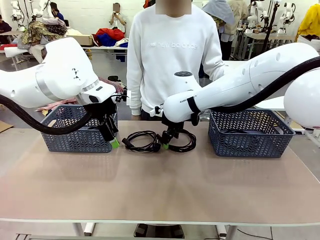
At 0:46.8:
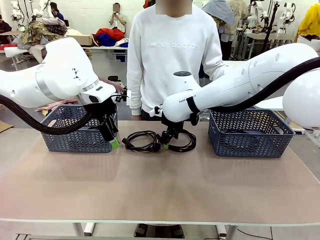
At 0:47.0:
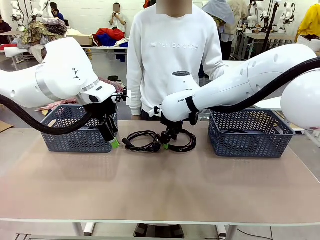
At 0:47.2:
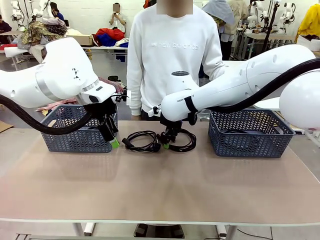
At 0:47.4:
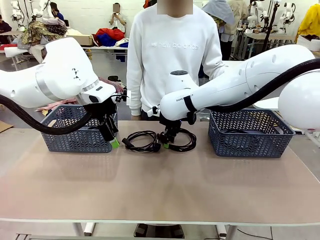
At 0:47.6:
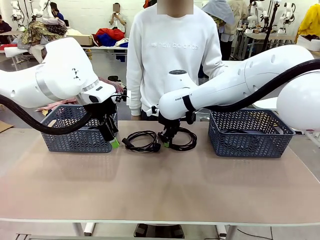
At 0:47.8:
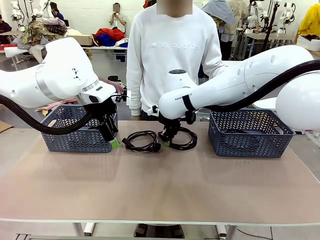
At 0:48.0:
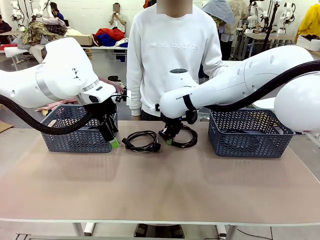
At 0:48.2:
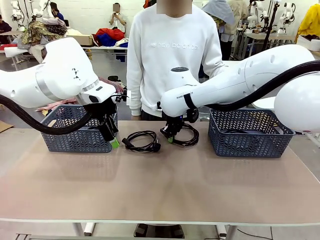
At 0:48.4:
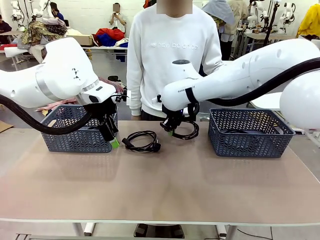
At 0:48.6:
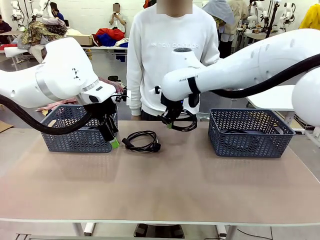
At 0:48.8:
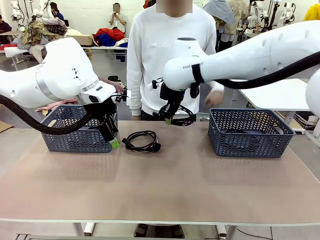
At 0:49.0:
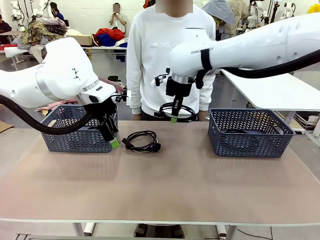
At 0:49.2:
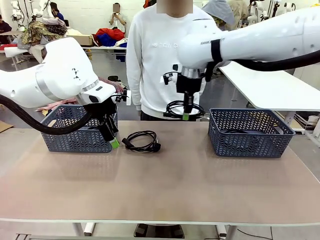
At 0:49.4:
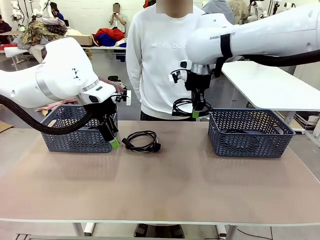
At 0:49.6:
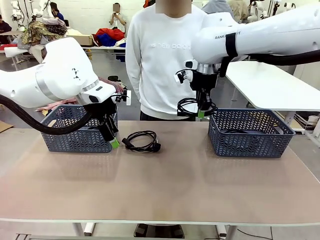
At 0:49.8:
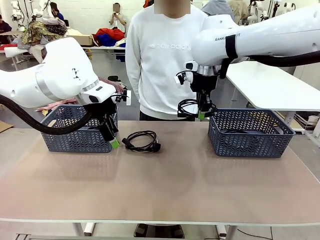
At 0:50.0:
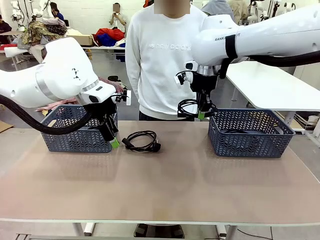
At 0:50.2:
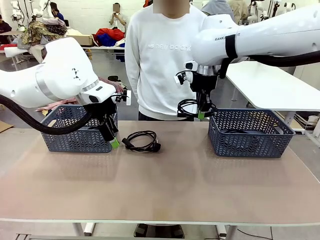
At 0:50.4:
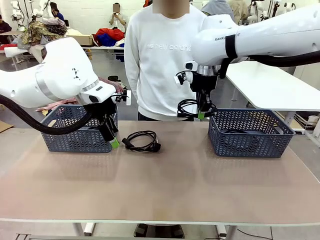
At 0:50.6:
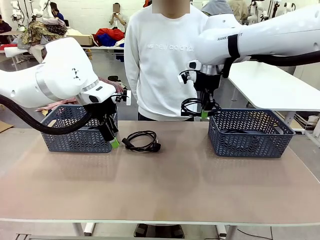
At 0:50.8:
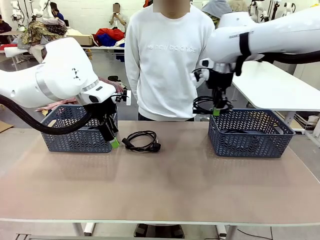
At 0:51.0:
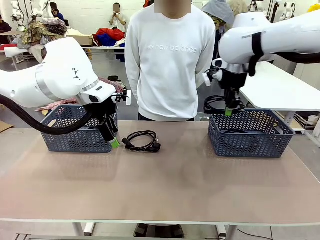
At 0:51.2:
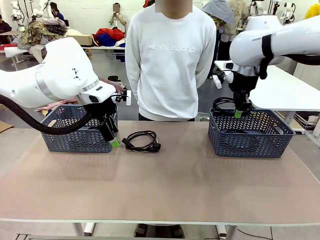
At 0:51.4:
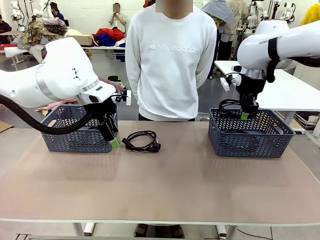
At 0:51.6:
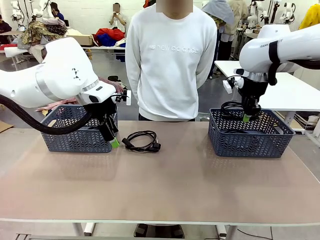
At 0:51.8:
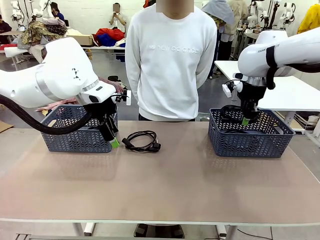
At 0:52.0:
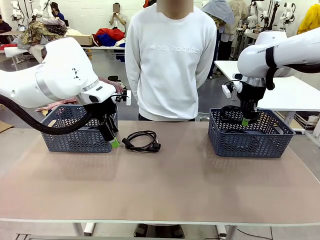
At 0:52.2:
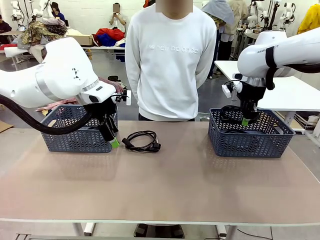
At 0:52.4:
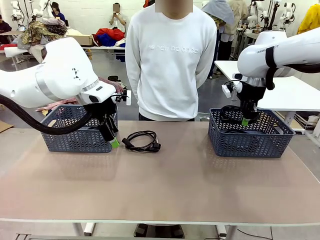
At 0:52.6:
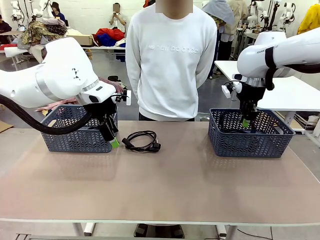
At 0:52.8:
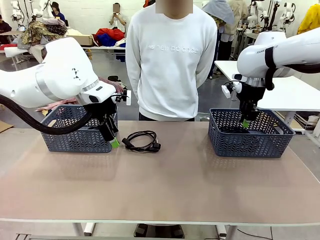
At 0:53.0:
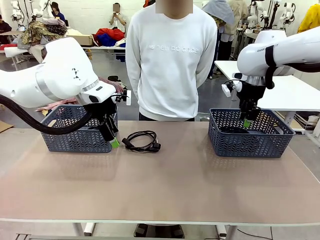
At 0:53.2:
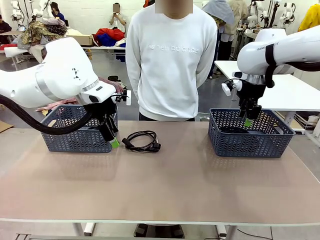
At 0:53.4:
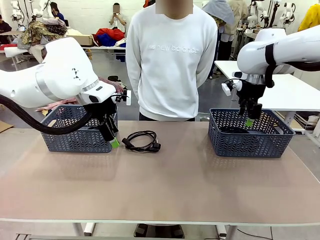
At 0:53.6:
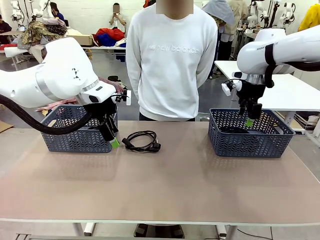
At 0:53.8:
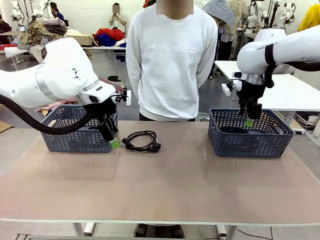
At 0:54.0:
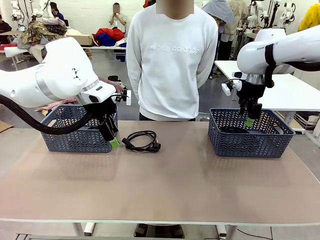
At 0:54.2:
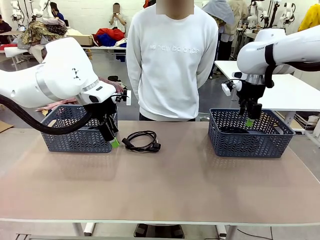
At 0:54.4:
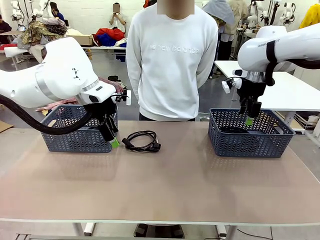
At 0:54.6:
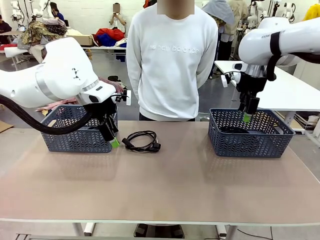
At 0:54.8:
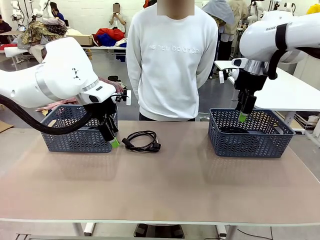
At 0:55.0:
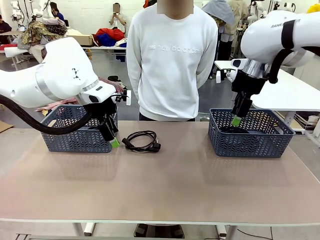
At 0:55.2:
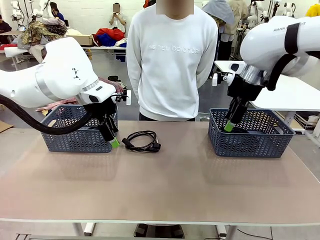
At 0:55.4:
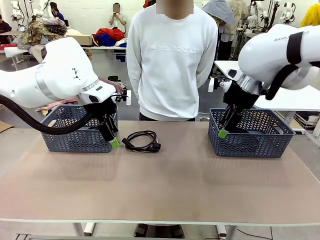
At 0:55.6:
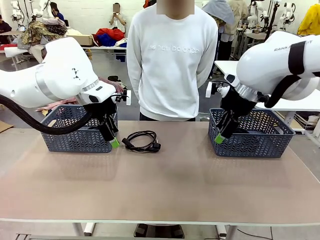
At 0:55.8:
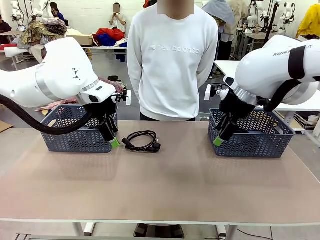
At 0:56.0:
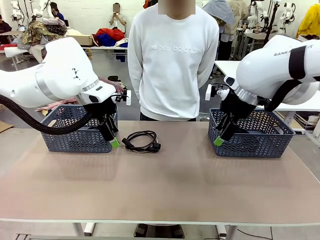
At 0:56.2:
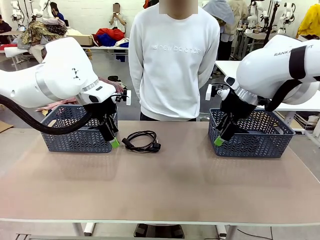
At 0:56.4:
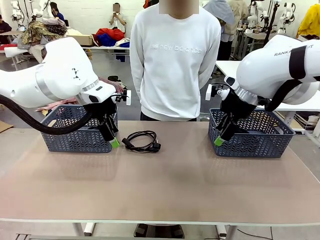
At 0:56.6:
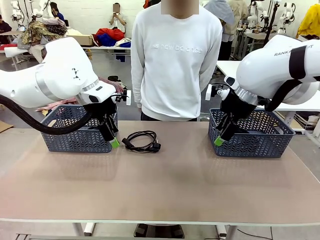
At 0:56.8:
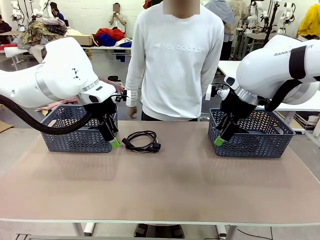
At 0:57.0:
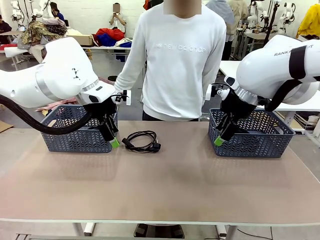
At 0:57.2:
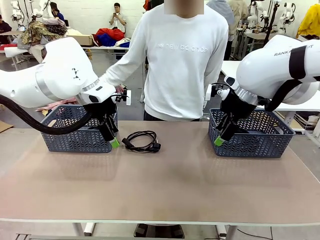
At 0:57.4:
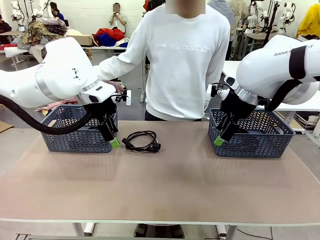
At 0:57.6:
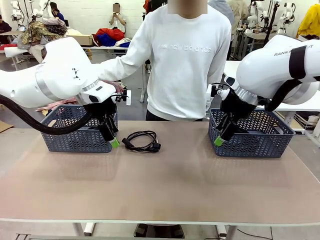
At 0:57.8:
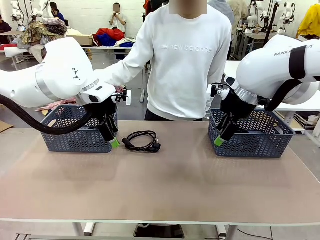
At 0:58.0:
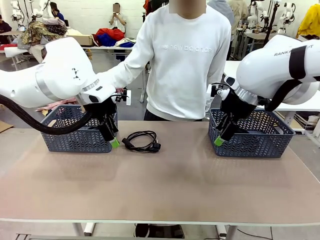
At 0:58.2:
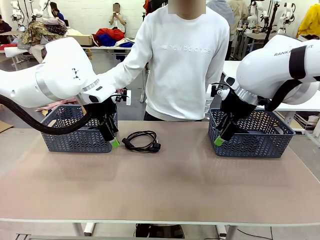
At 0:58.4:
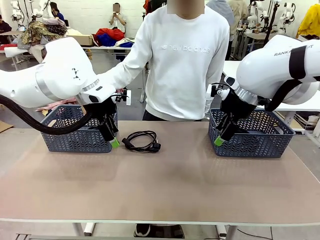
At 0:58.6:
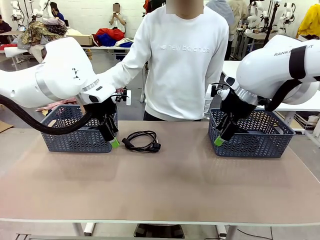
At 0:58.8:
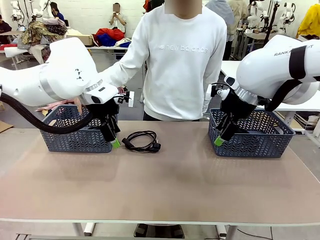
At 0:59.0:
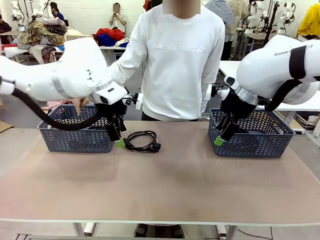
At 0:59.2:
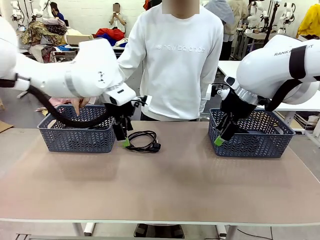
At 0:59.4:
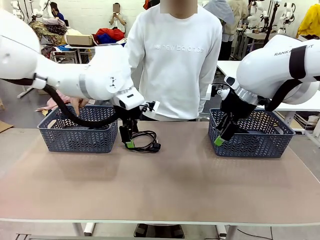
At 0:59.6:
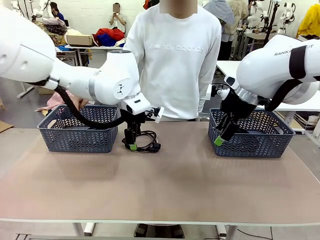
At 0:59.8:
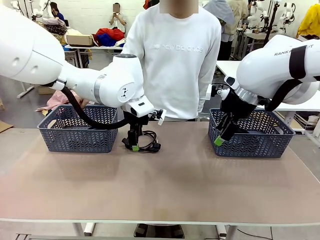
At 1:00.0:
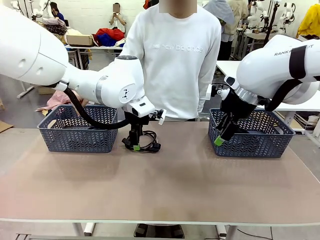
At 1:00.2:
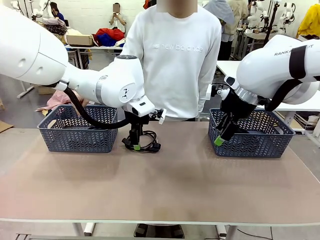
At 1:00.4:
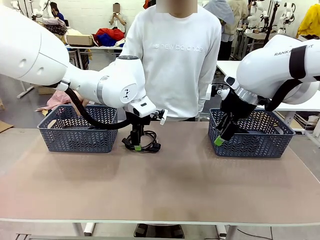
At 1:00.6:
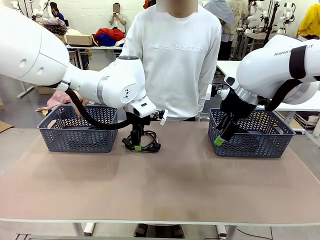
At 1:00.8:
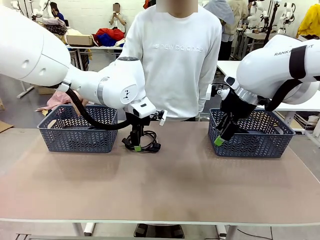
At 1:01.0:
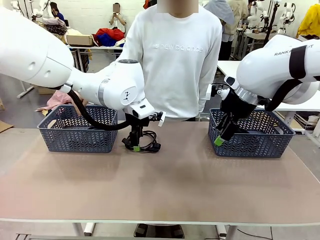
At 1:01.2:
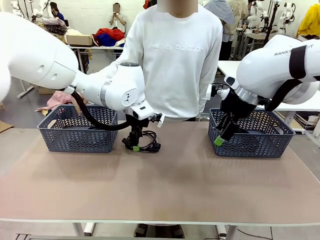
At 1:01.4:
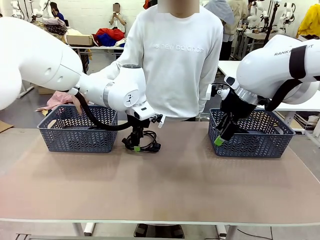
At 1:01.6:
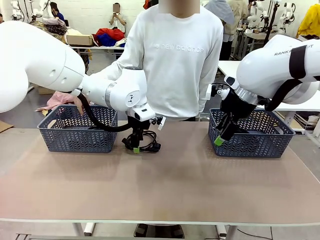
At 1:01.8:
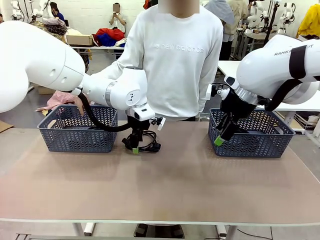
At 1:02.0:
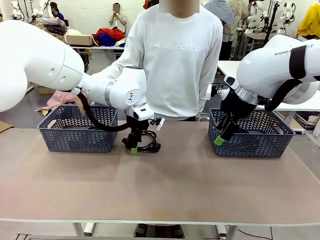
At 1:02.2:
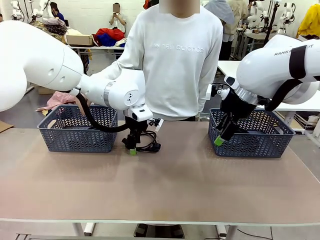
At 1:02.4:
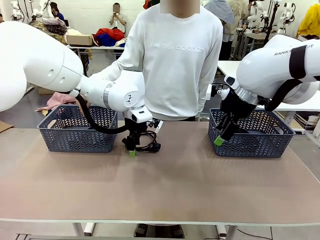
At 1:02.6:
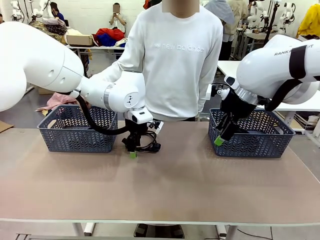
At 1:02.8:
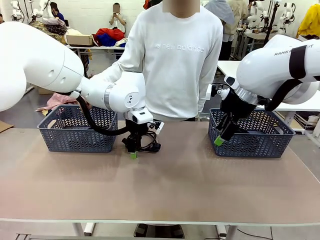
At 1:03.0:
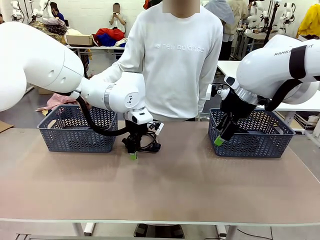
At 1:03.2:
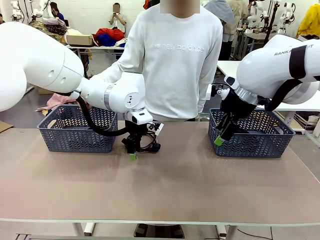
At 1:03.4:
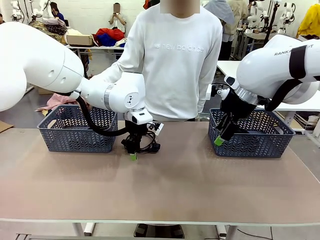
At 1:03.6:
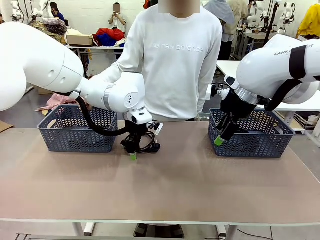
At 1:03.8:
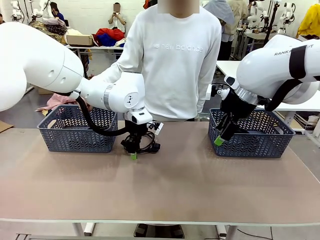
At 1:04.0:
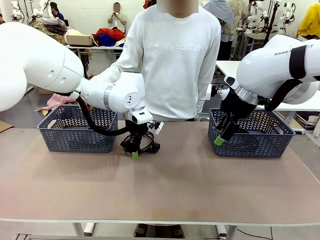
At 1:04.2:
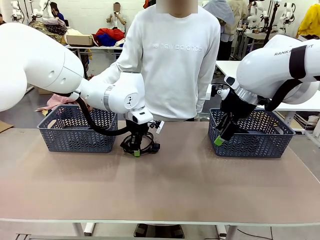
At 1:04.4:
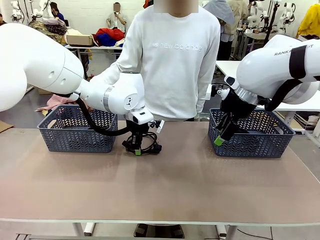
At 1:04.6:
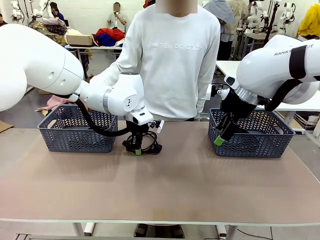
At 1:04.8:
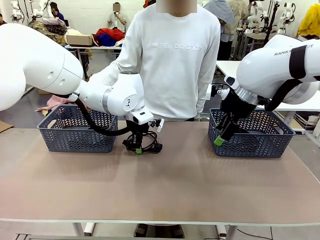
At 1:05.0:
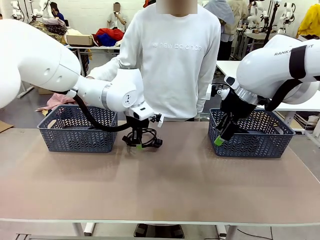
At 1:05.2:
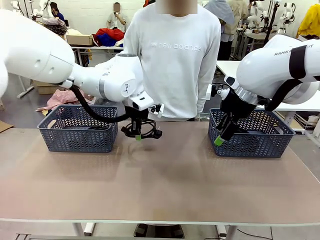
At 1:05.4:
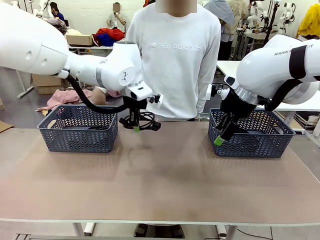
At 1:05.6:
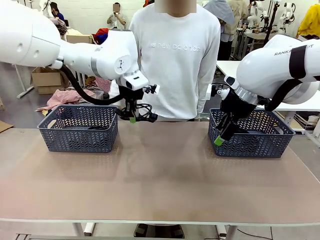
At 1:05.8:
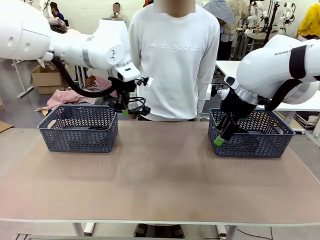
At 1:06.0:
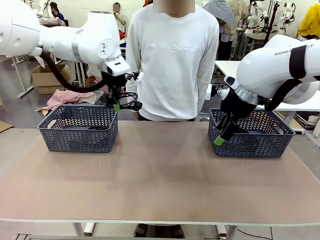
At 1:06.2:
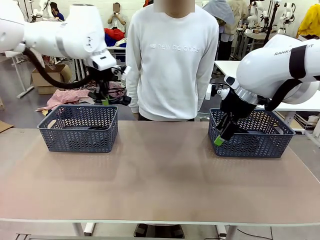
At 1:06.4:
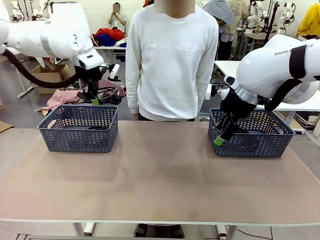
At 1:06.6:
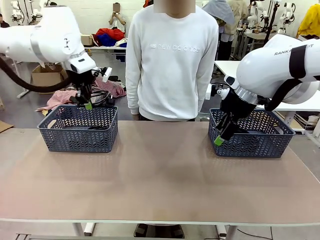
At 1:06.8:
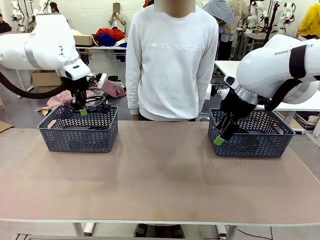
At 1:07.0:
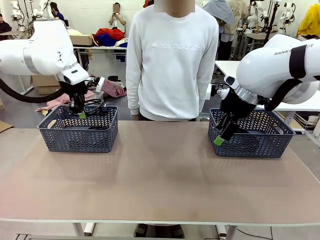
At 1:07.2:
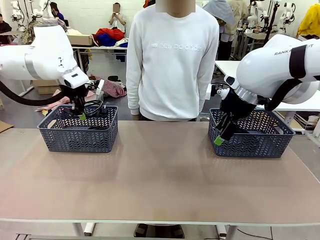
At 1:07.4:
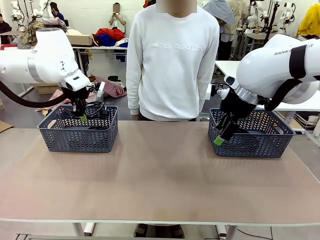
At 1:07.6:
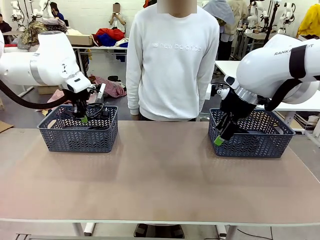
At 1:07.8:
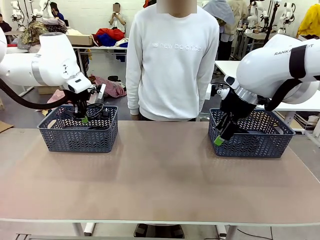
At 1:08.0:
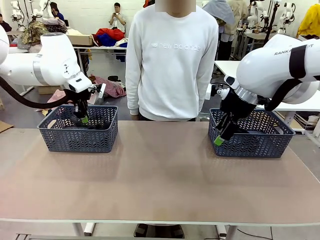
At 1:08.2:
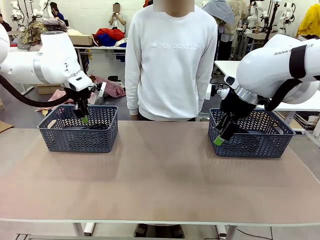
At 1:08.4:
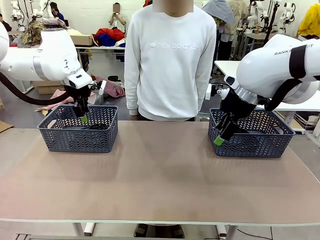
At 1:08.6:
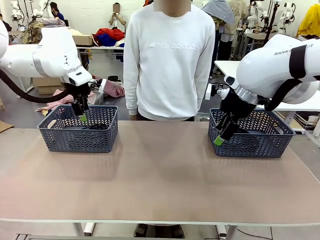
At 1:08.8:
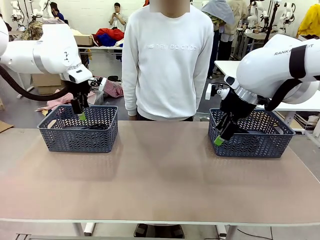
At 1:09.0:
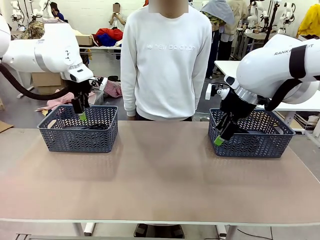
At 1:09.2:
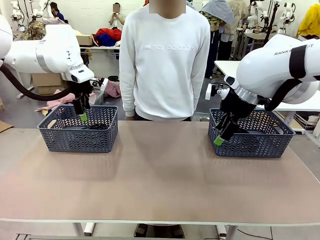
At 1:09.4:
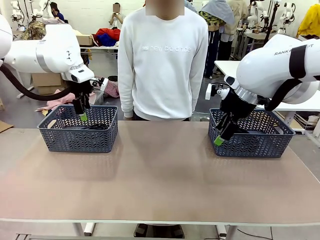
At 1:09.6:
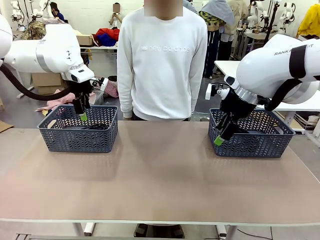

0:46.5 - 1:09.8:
Task: Organize the cables according to human instructions.
Robot: Pick up a bundle of cables and place it in the basket indicated by the human.
